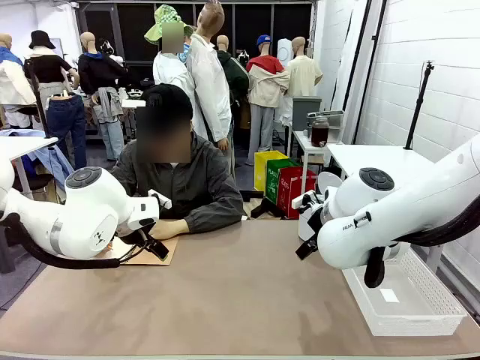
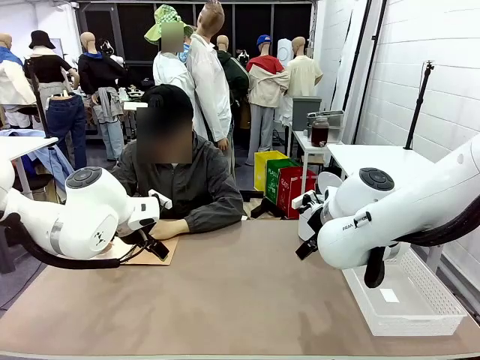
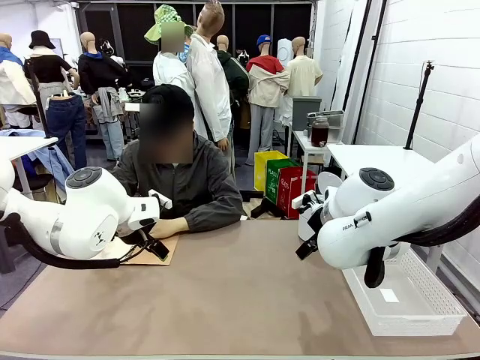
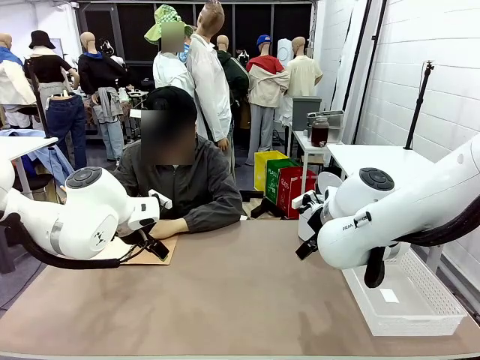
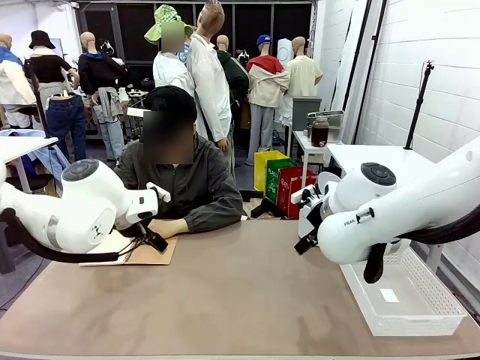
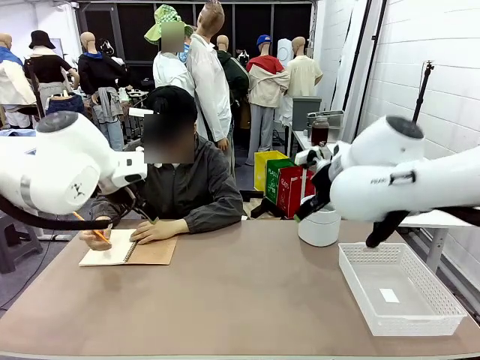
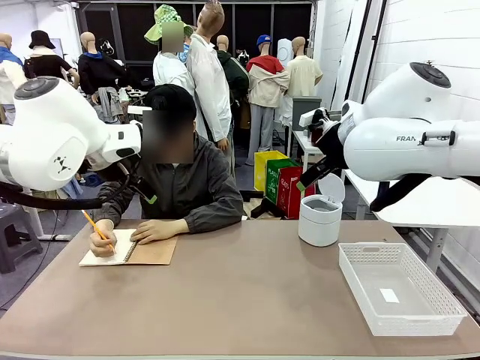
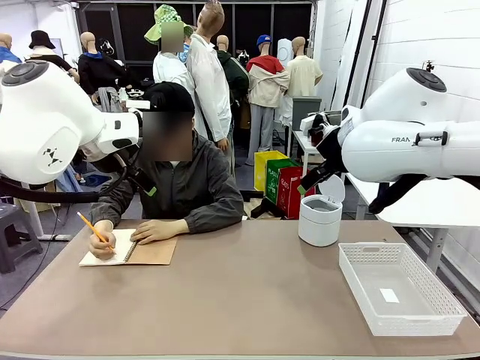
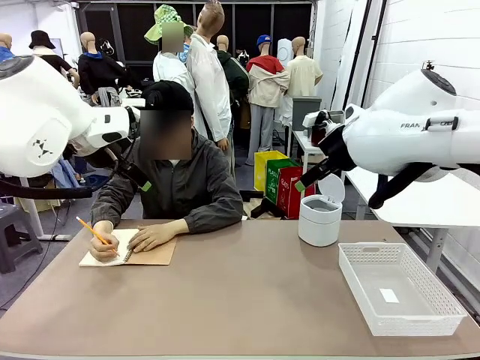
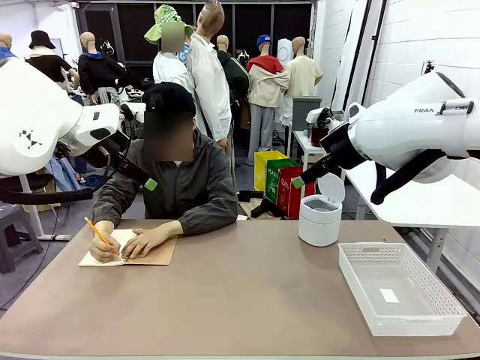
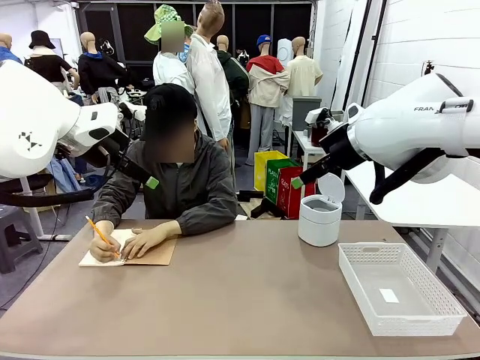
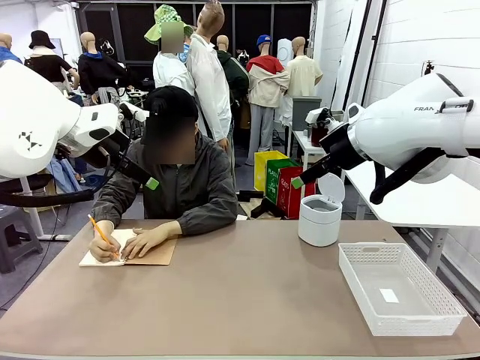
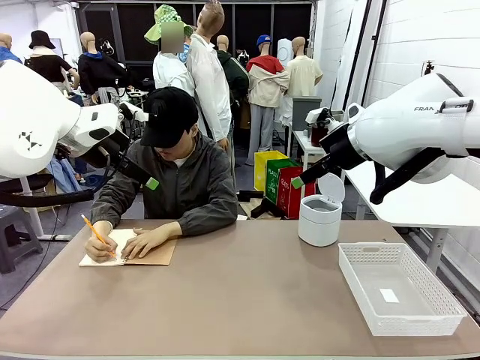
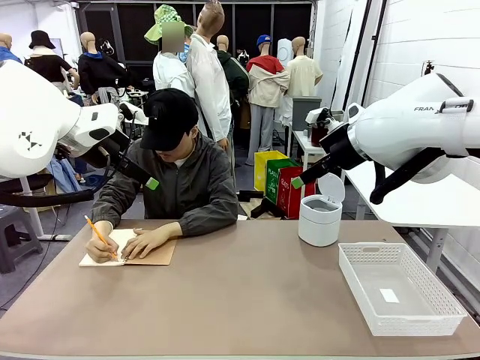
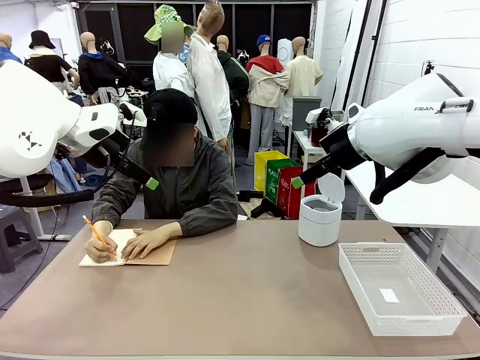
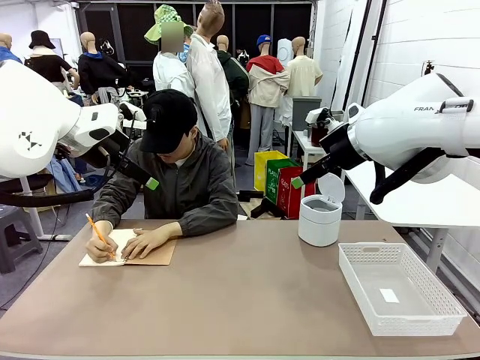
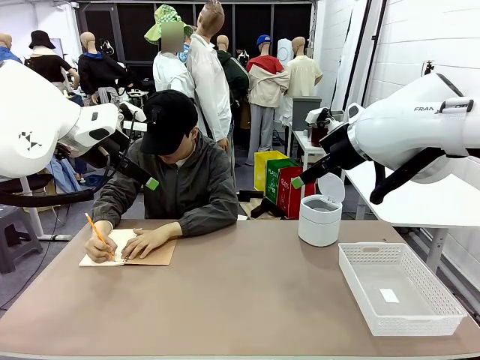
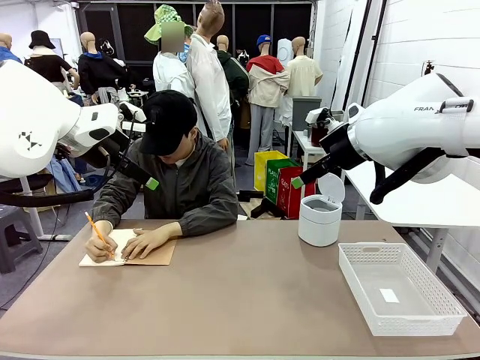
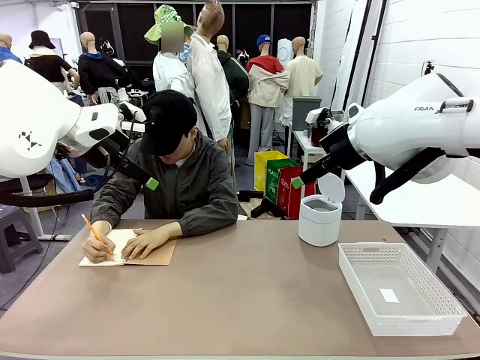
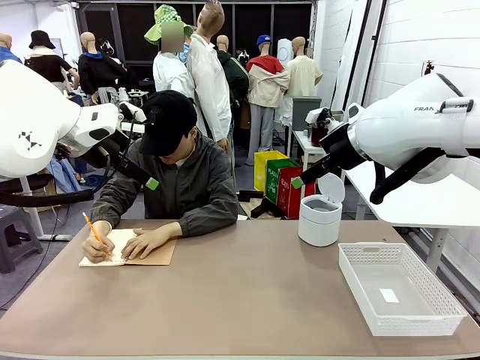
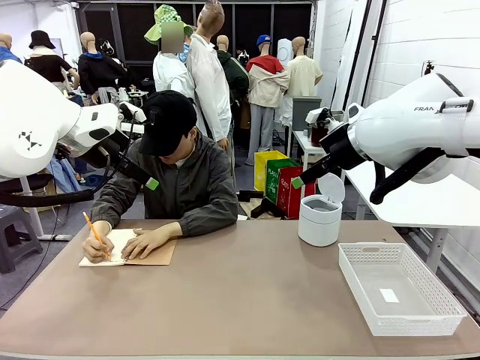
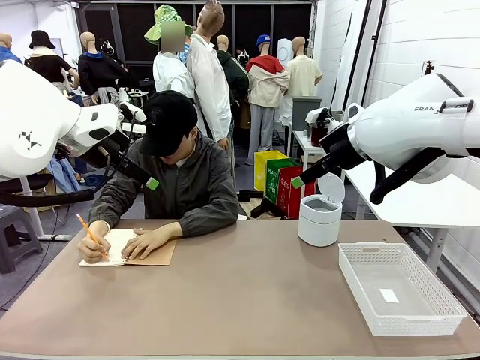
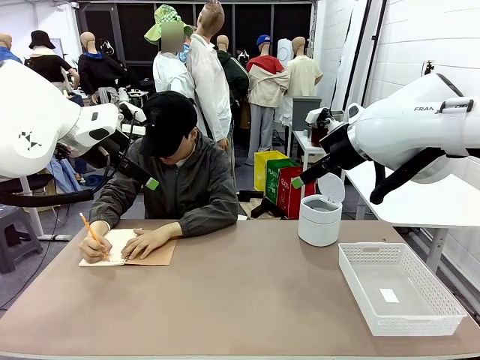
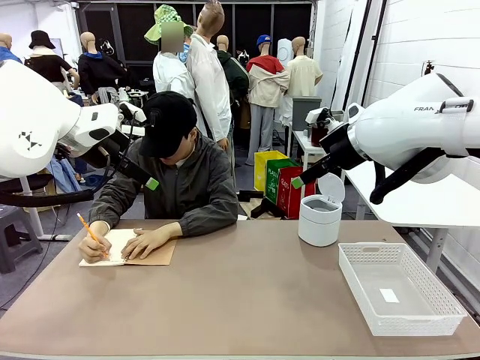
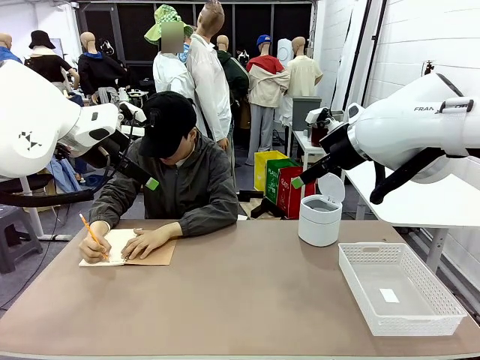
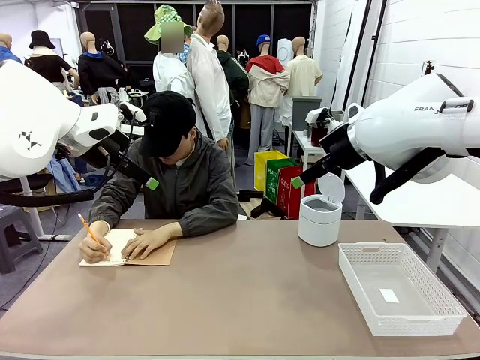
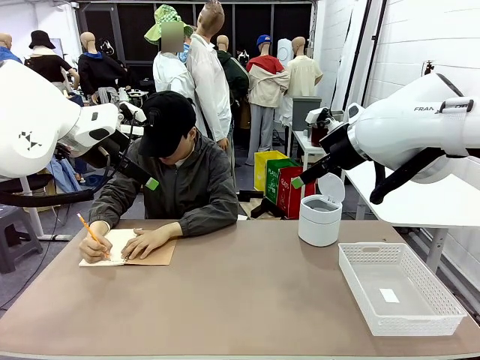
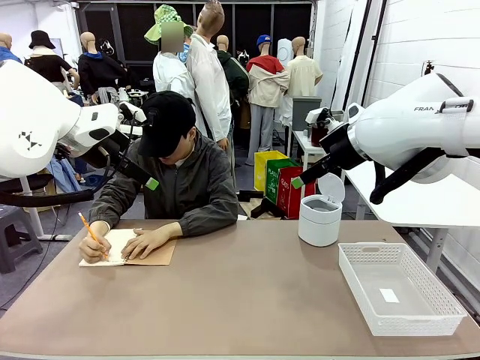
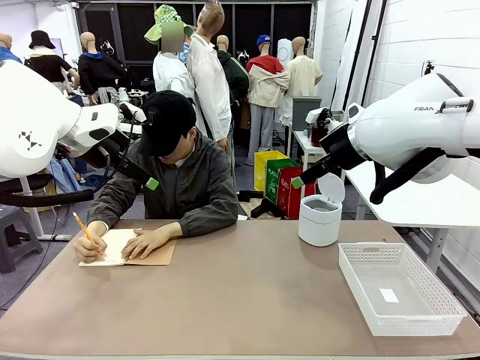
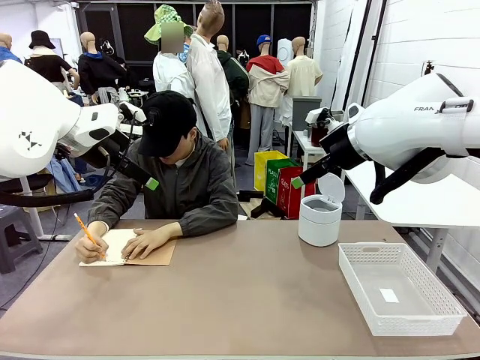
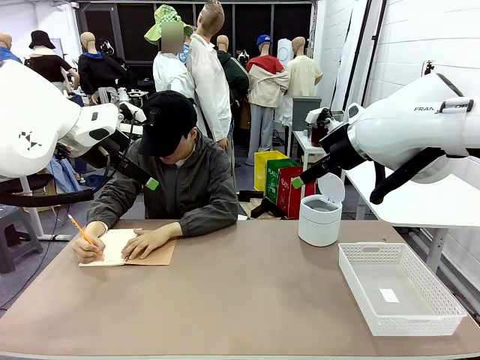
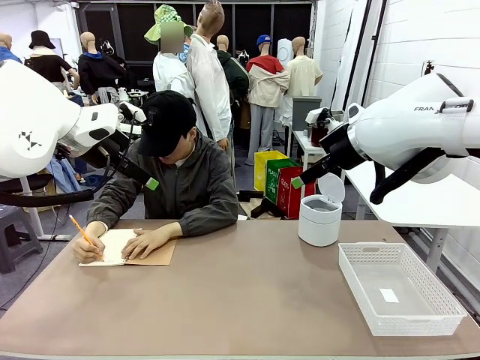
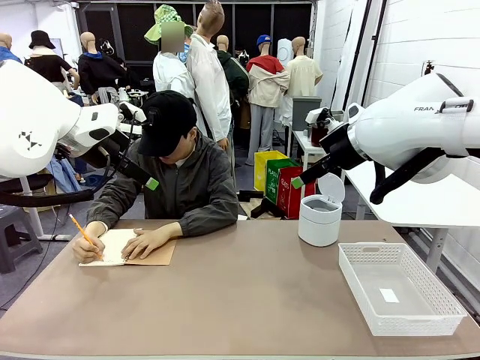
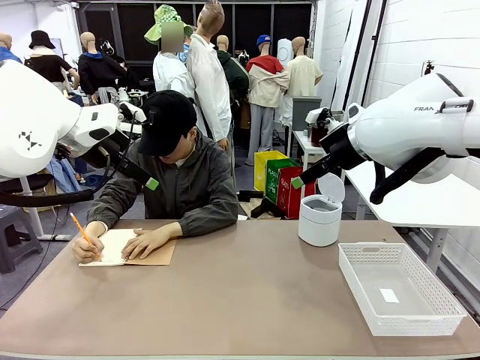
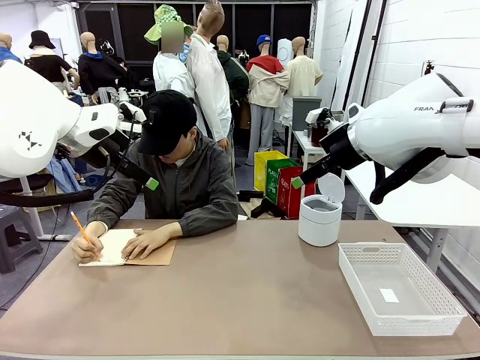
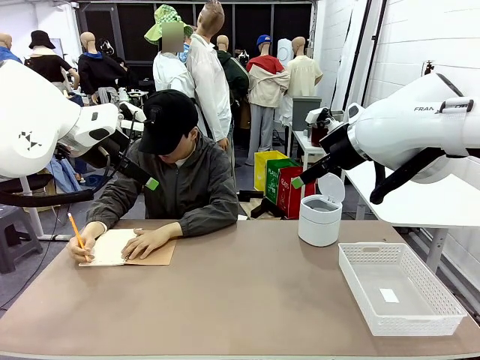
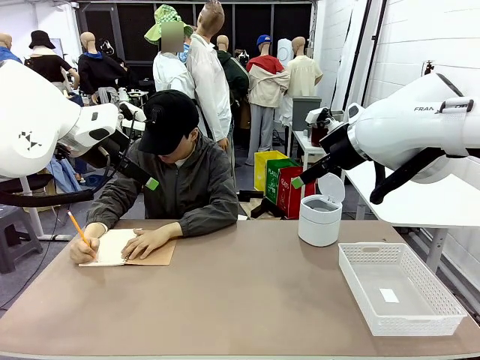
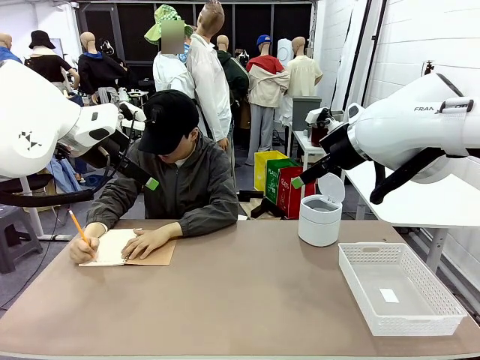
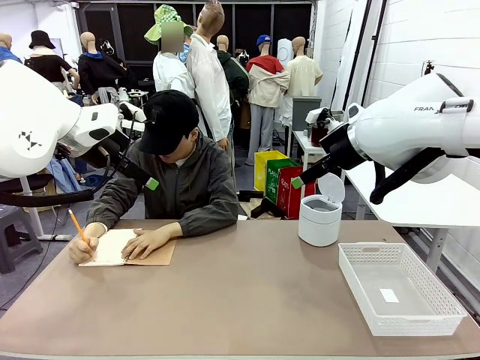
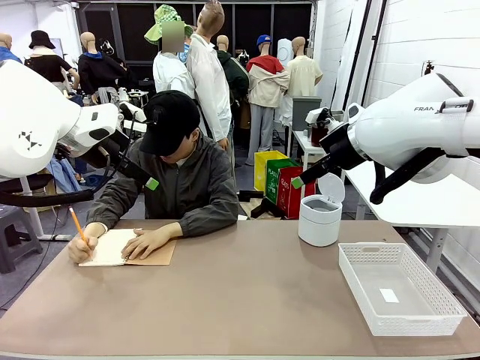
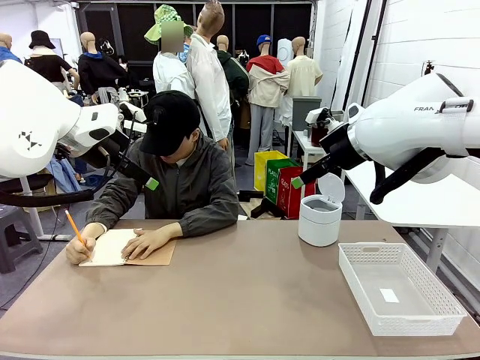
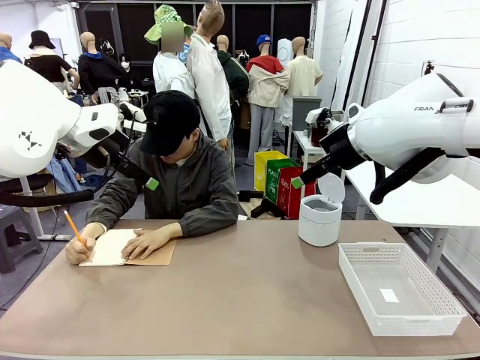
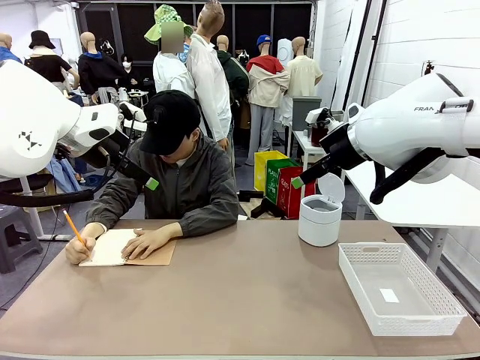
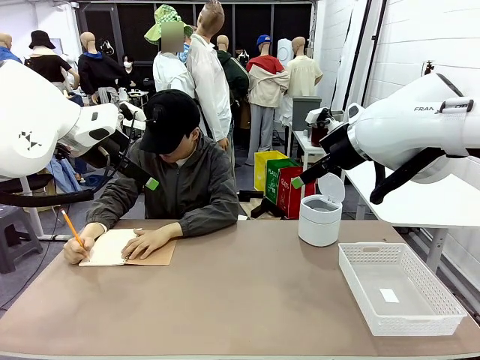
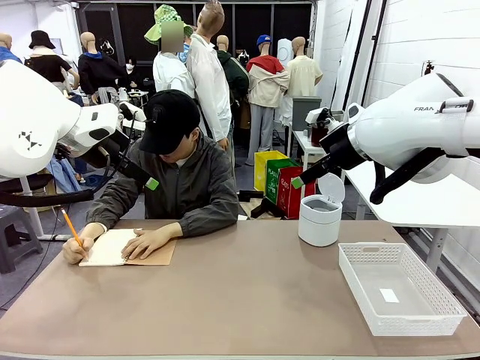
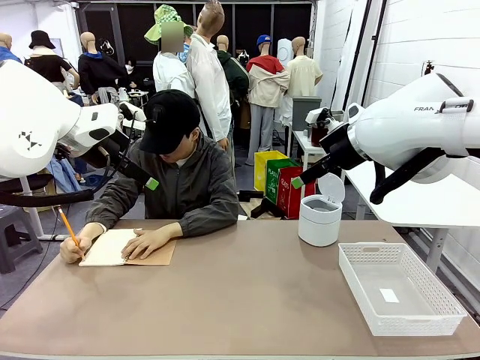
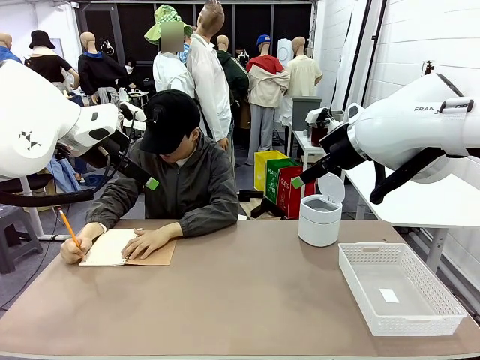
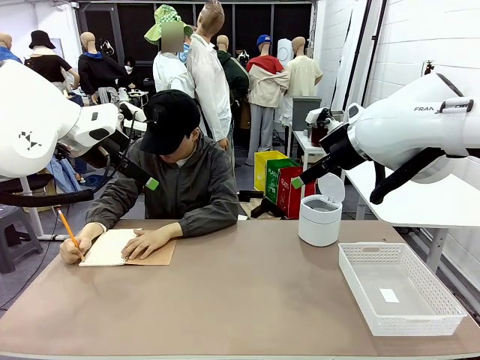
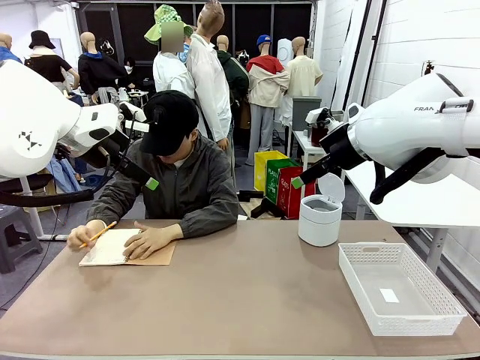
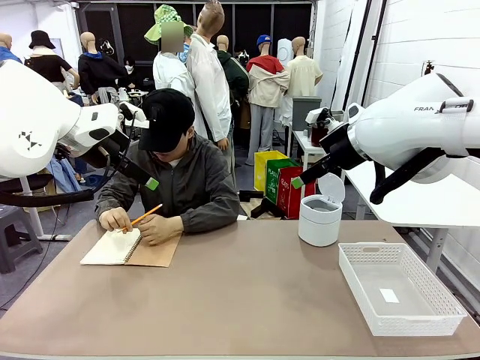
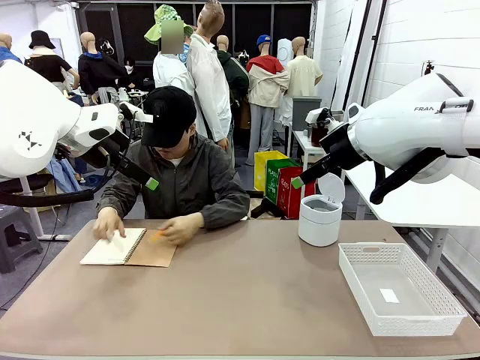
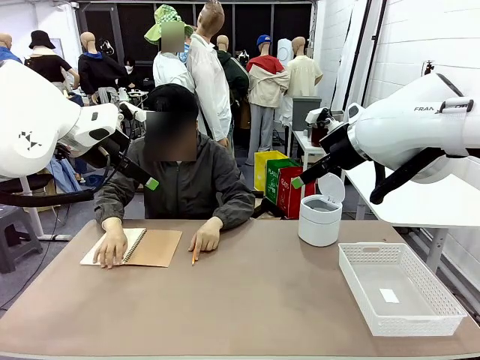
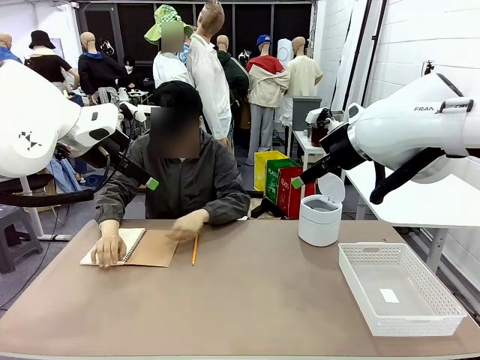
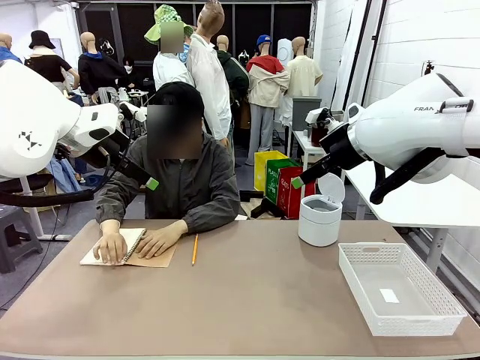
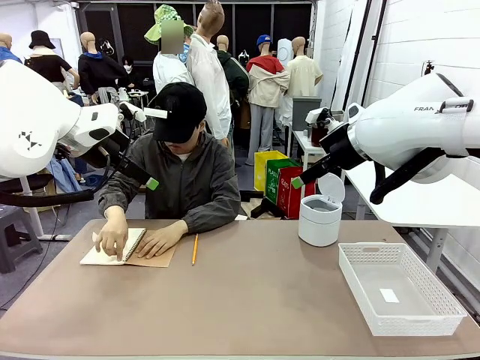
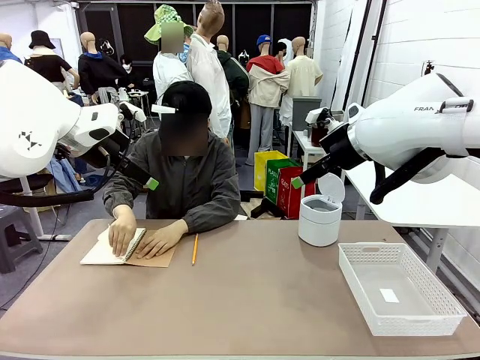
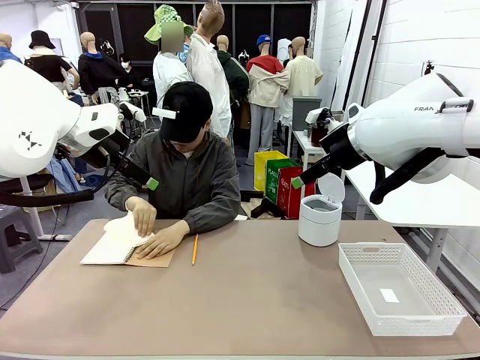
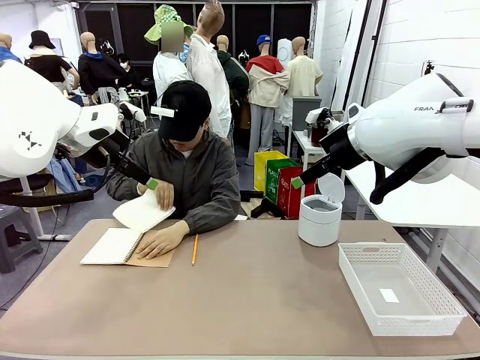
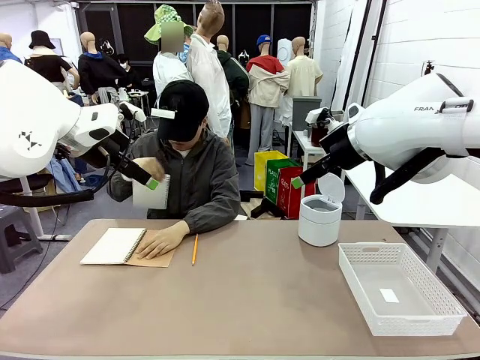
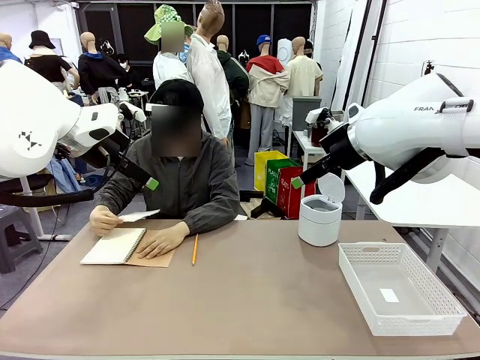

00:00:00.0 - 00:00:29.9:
Task: Sort the paper based on its condition.
Robot: If a person hands you a paper, place it in the Organizing basket , and if it's crumpled, put it in the Trash can.
Person: Tear out a page from the spiral notebook.
